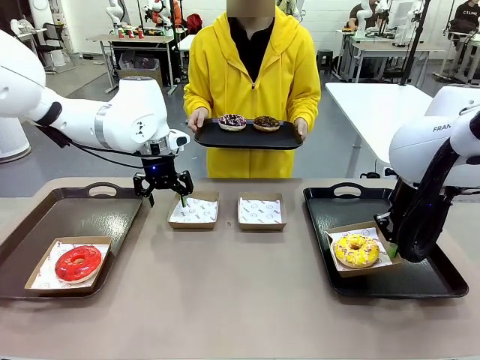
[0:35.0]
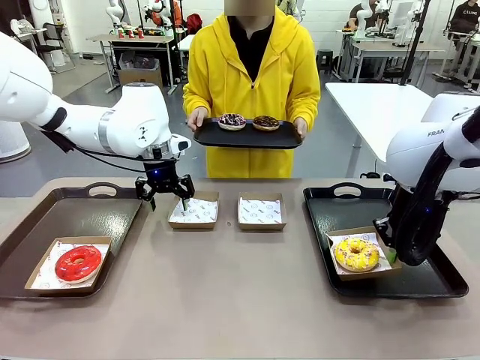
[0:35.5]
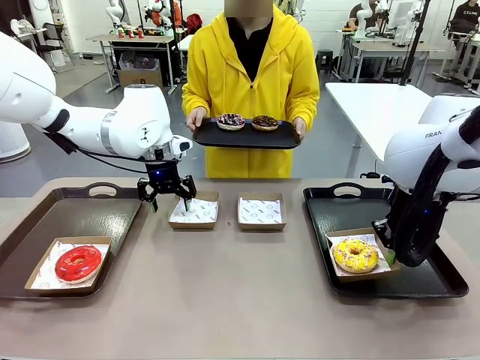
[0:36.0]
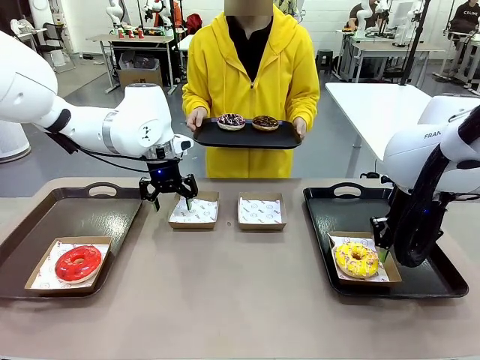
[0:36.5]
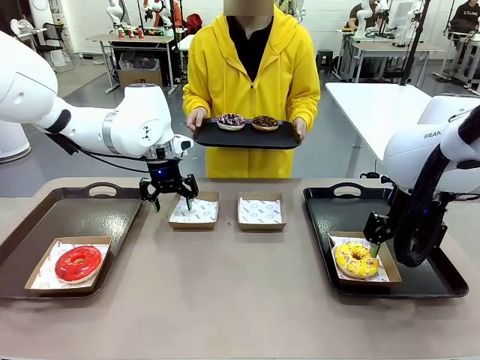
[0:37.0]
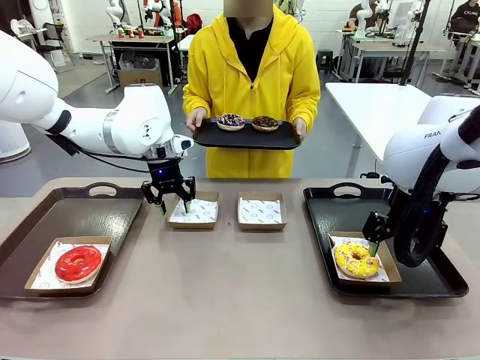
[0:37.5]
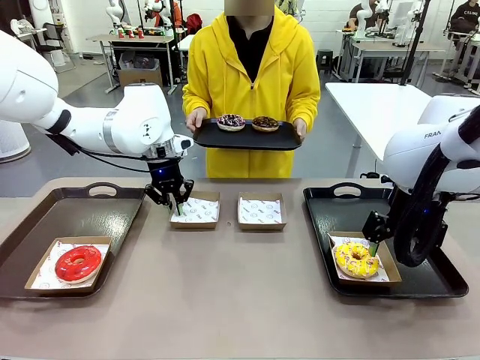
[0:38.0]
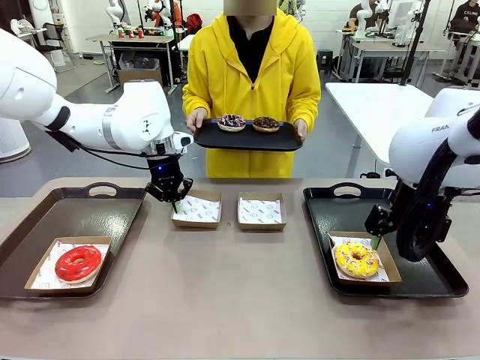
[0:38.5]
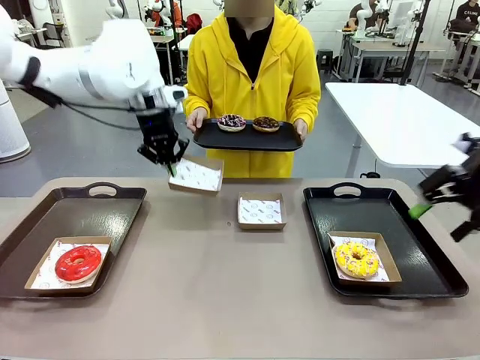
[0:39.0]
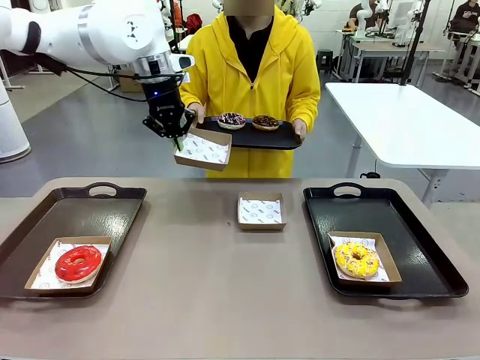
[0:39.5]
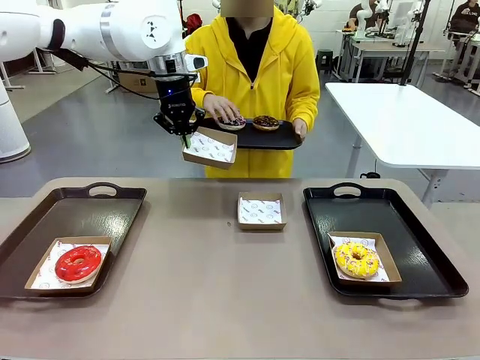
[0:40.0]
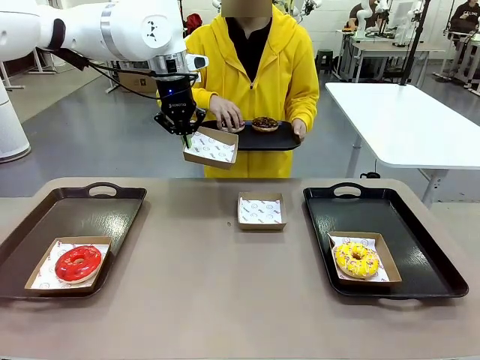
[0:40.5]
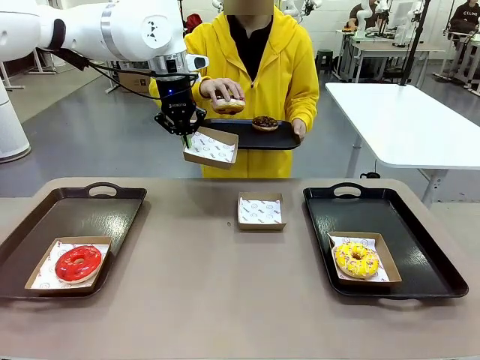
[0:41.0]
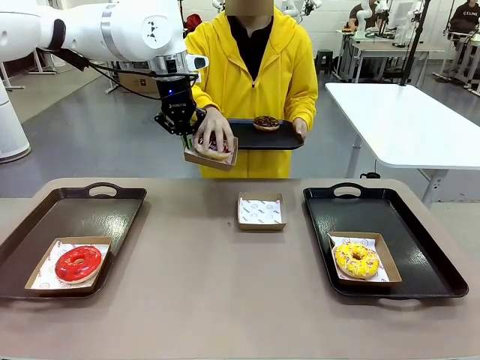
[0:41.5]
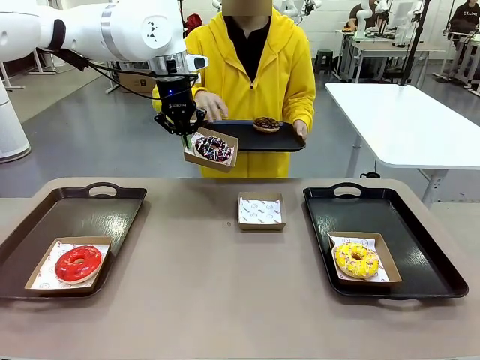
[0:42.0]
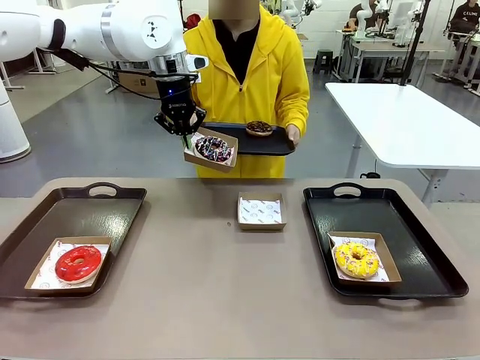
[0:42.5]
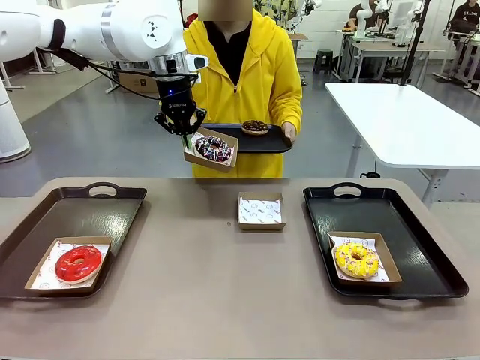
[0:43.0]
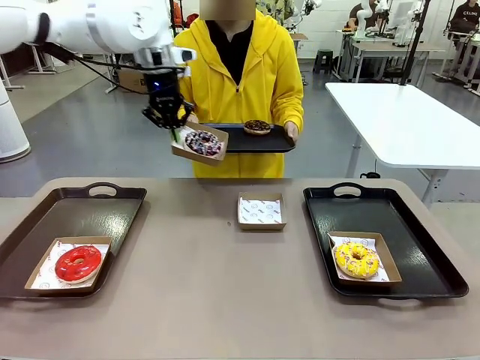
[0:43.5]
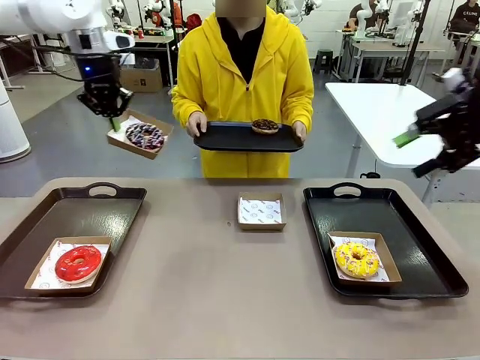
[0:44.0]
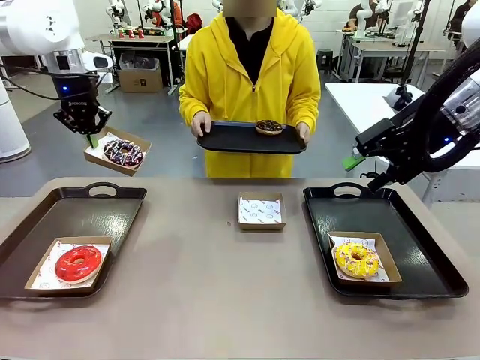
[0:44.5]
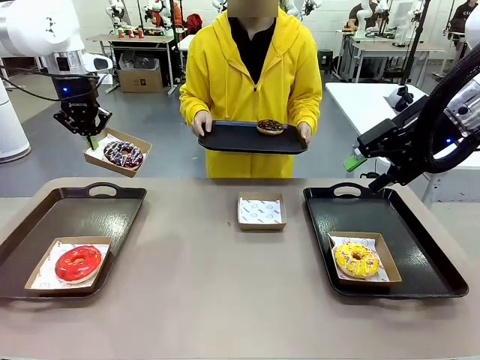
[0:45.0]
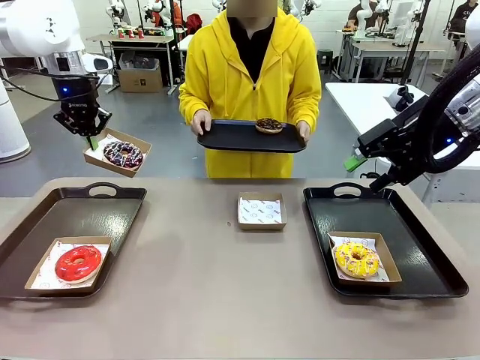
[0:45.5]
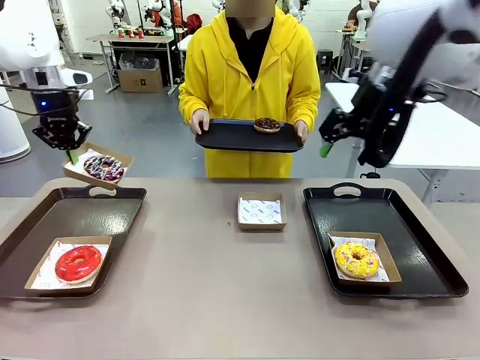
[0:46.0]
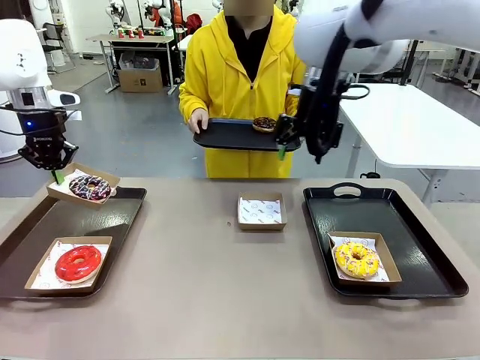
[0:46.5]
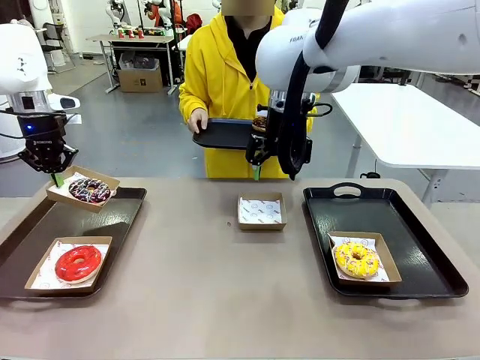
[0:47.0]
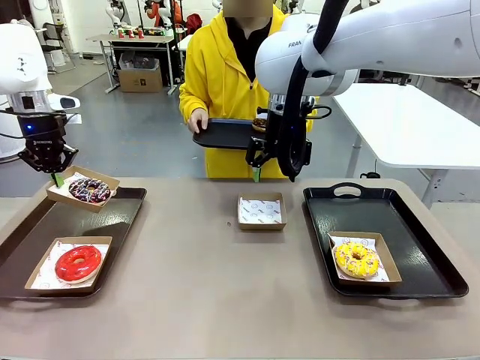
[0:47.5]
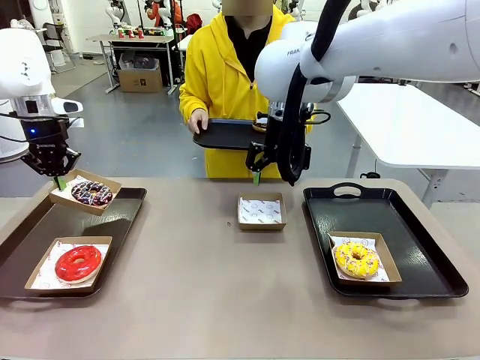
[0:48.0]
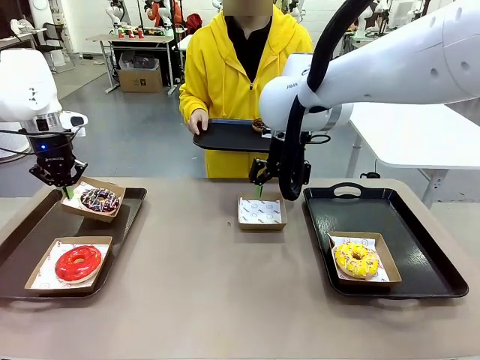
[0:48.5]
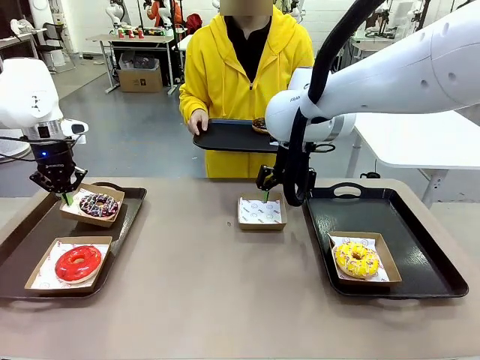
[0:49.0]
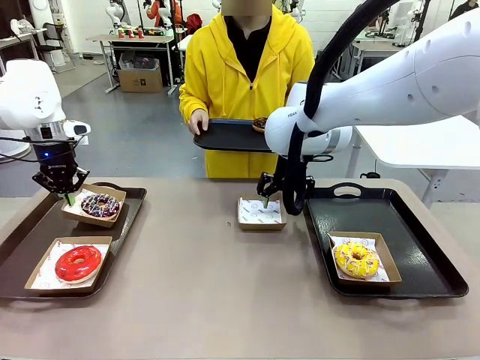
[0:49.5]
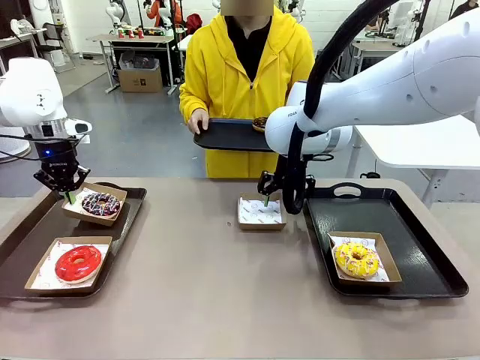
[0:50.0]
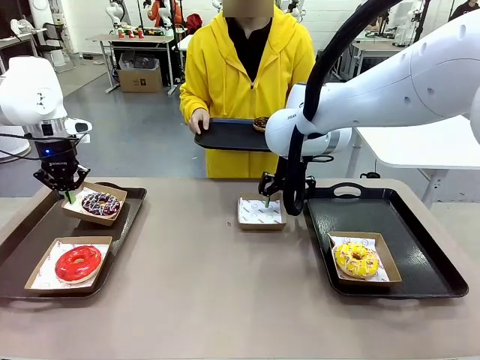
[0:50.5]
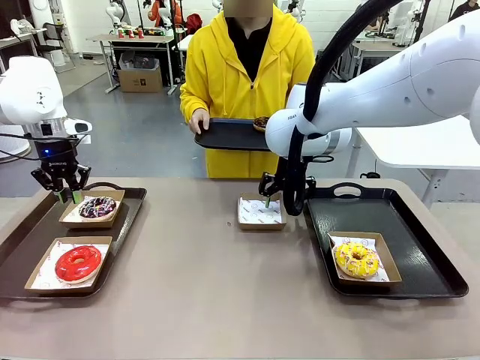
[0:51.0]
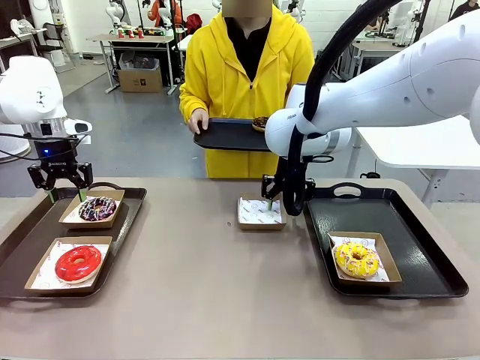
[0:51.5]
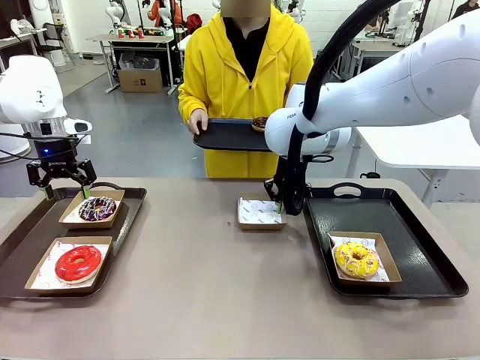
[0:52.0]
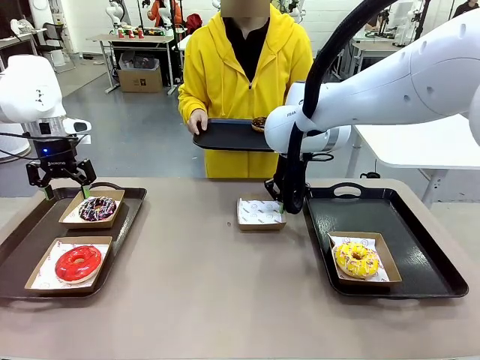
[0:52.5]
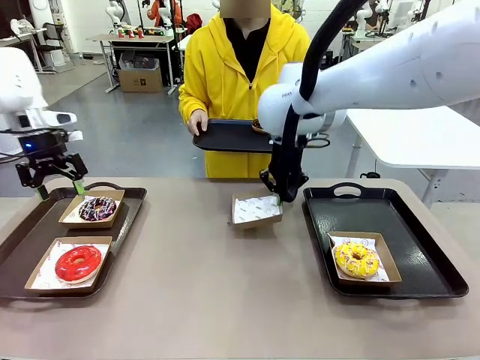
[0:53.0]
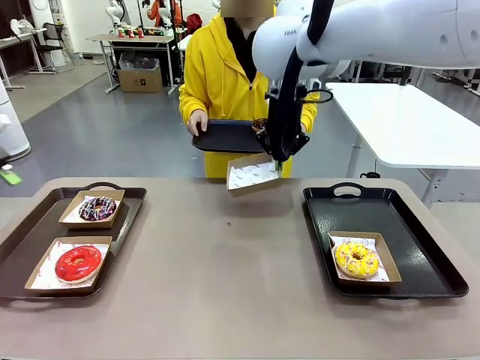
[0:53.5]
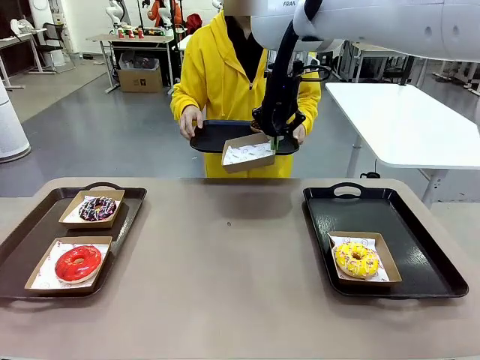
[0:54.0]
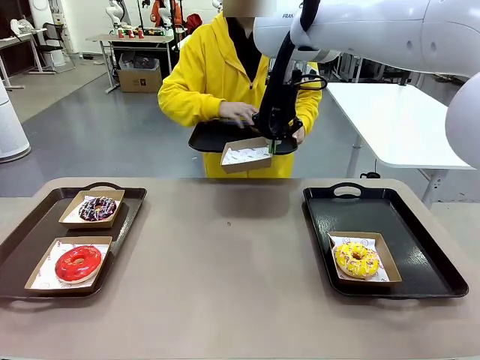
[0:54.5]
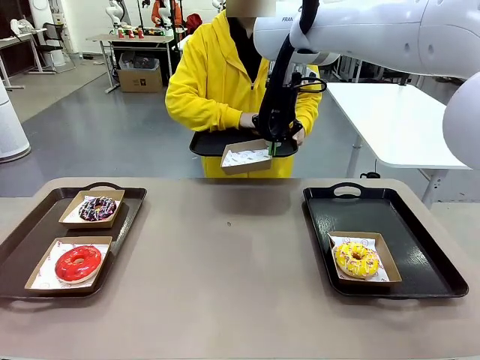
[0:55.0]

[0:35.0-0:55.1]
Task: Individually package the donuts and arrange them on the tray.
Robot: Place the picked Paper togo box on the Handle tray while simultaneously picking up another Paper togo box from the table with the other hand.

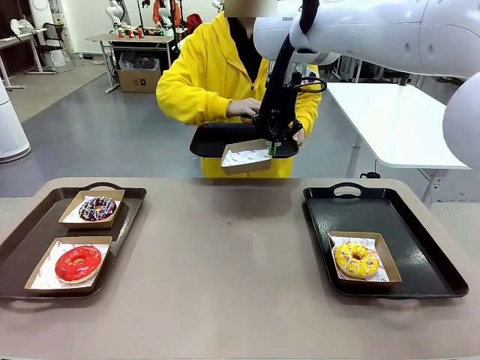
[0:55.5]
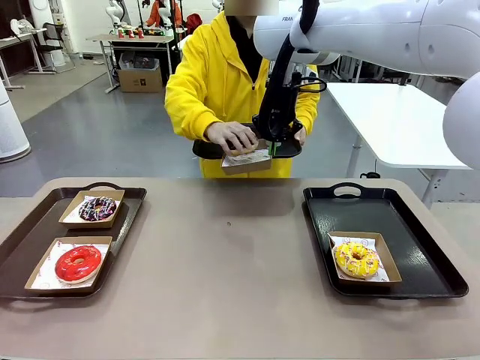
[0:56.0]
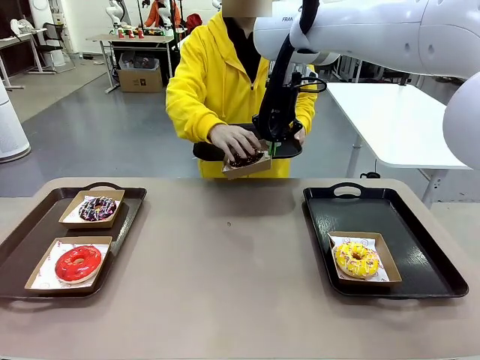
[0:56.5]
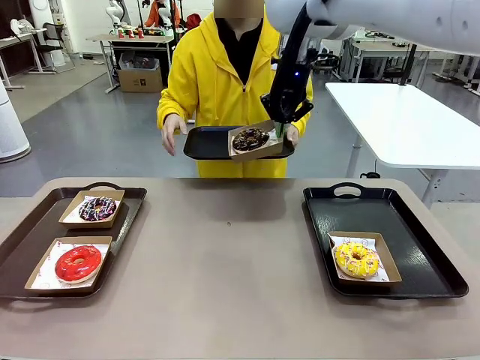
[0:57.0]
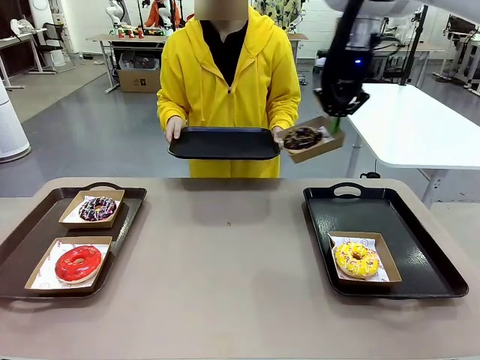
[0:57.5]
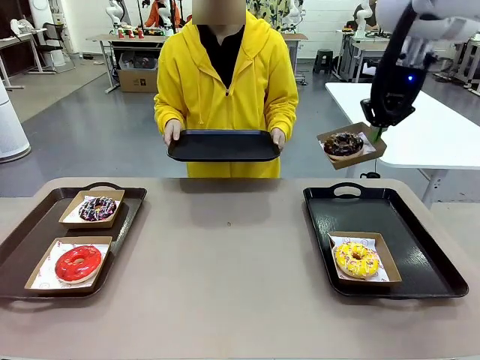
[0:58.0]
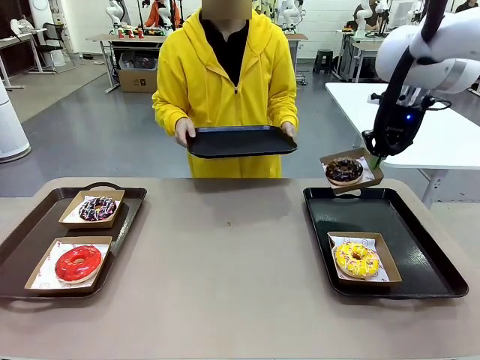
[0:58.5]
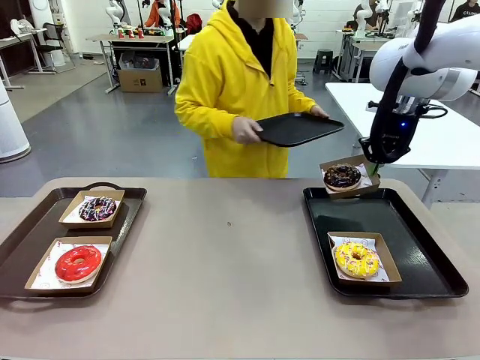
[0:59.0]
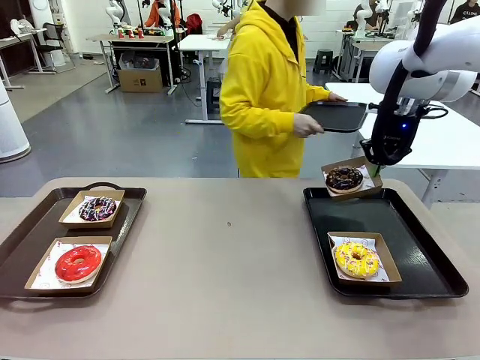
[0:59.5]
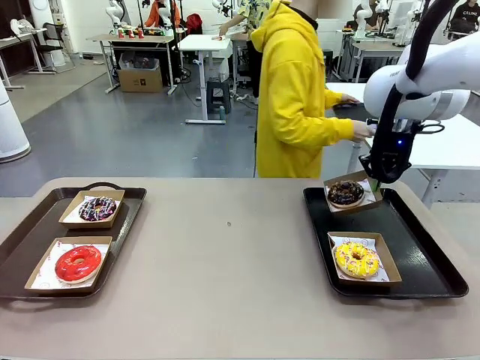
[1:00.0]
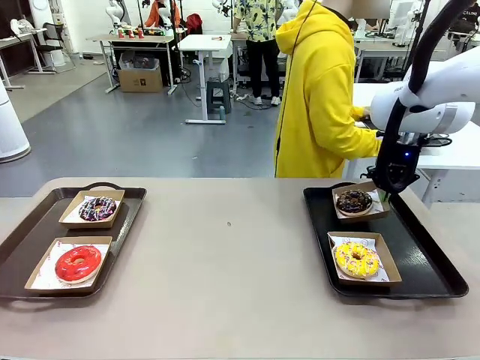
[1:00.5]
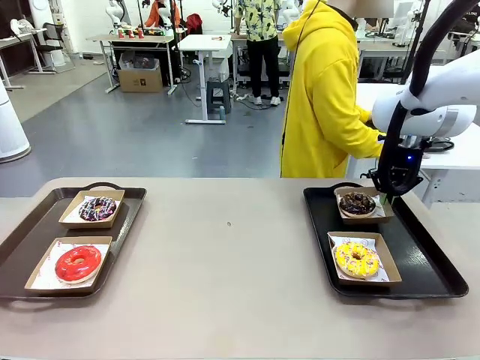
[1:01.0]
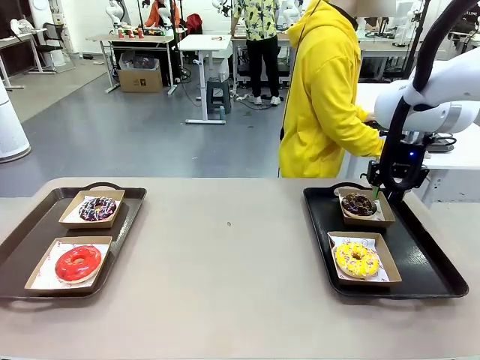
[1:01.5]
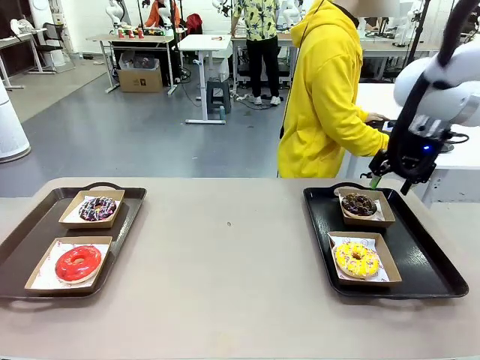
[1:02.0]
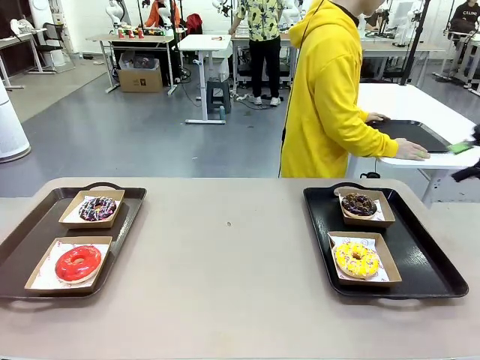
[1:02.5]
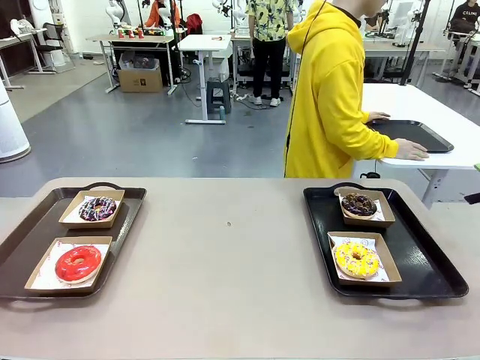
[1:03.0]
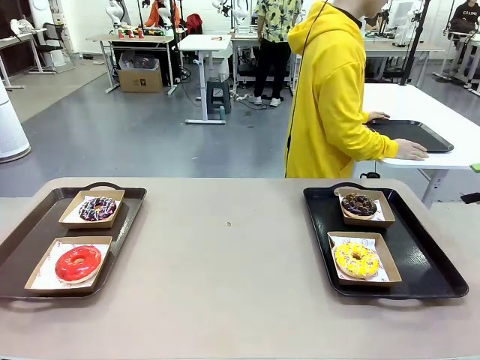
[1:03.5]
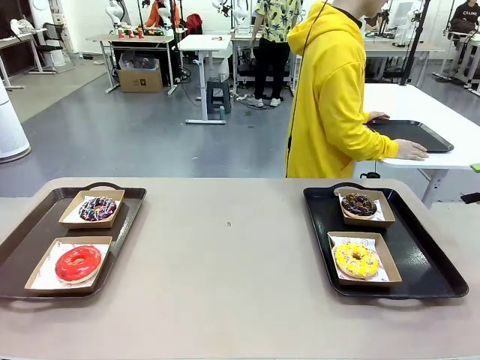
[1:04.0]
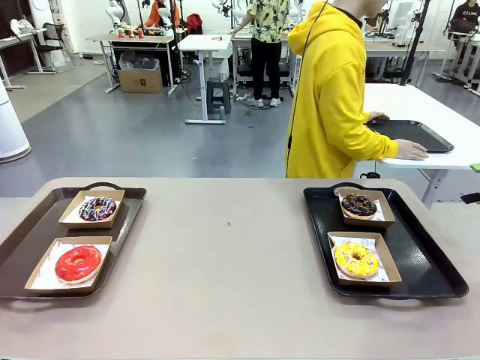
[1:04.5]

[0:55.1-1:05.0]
Robot: Place the picked Paper togo box on the Handle tray.
Person: Place the tray down in the middle of the human table.
